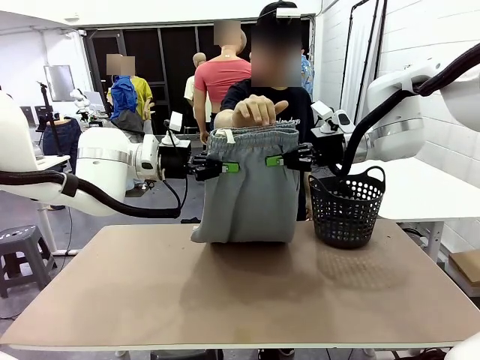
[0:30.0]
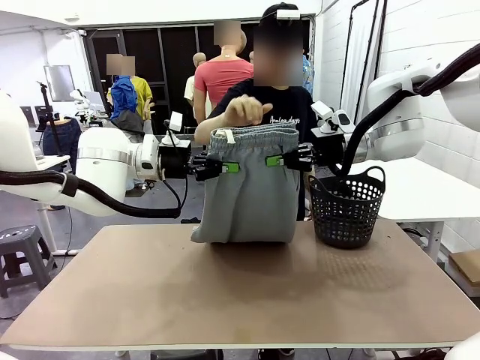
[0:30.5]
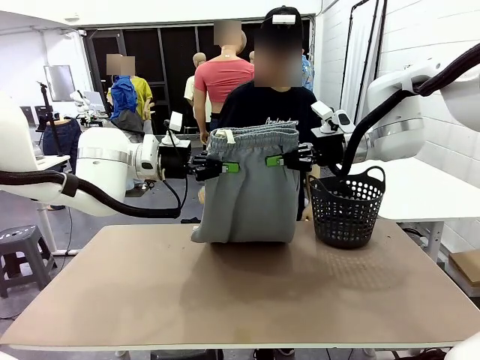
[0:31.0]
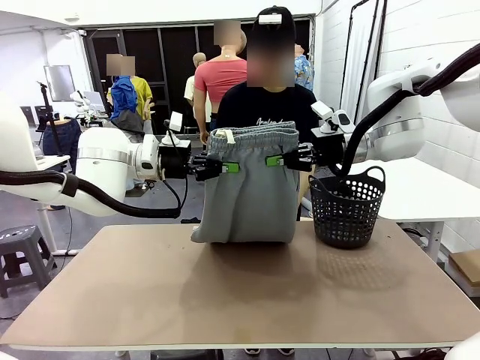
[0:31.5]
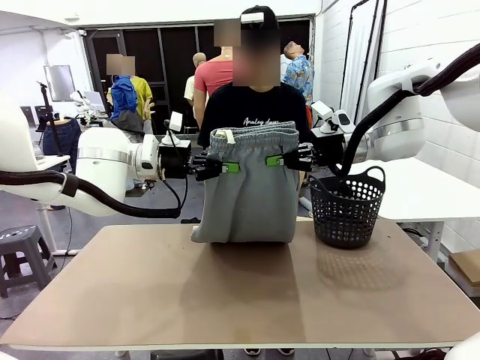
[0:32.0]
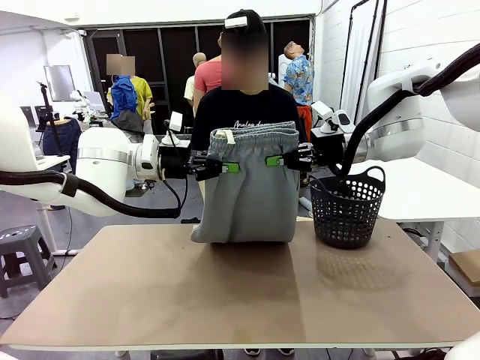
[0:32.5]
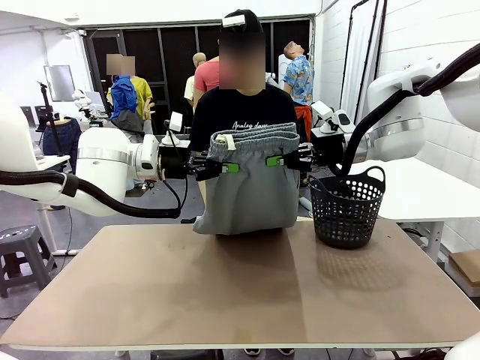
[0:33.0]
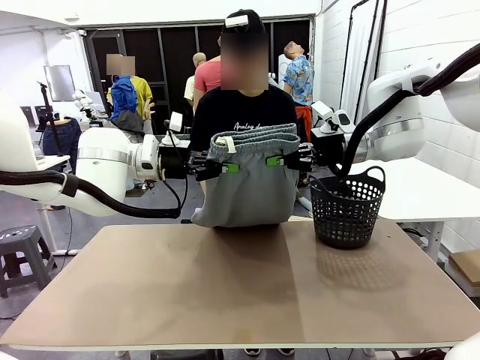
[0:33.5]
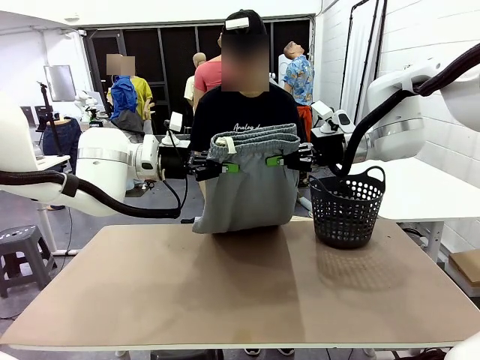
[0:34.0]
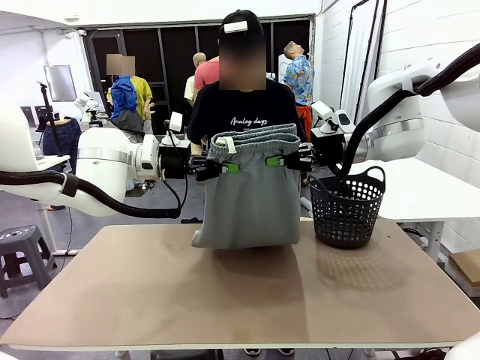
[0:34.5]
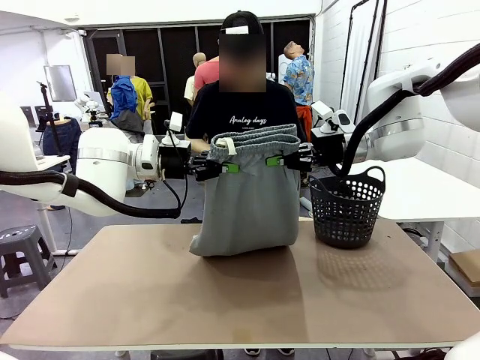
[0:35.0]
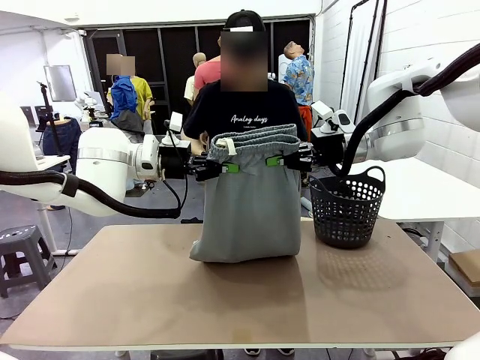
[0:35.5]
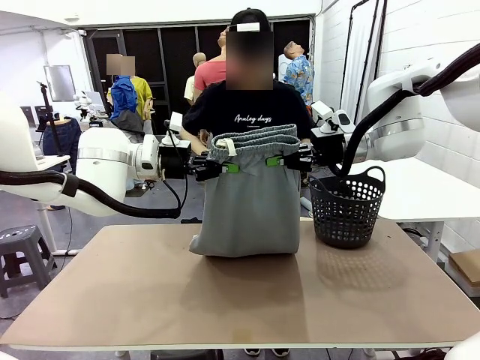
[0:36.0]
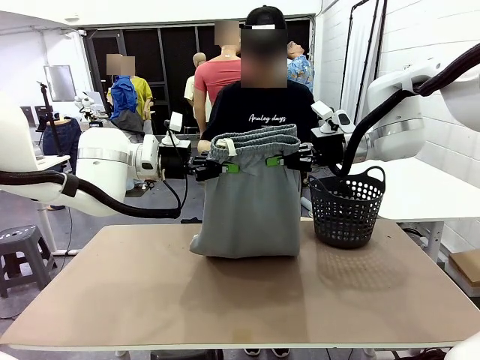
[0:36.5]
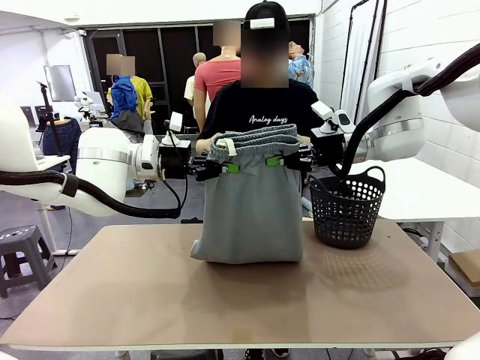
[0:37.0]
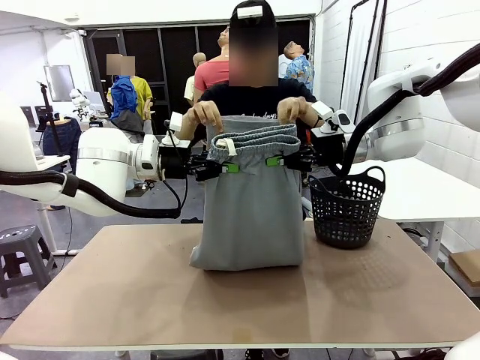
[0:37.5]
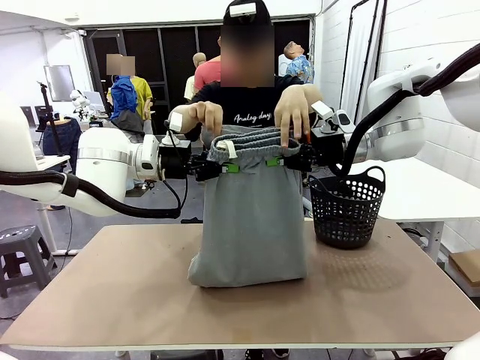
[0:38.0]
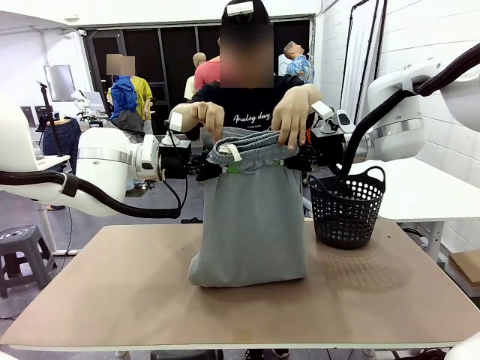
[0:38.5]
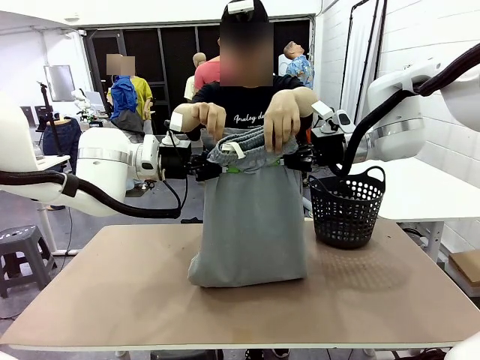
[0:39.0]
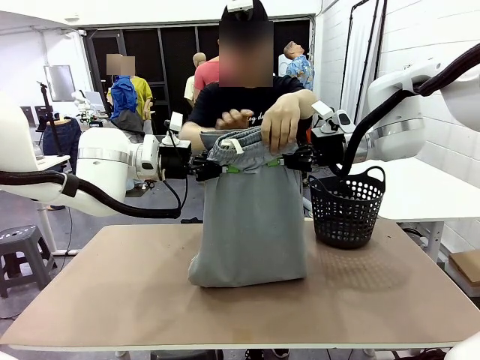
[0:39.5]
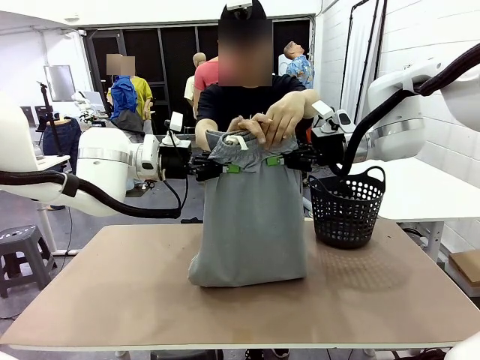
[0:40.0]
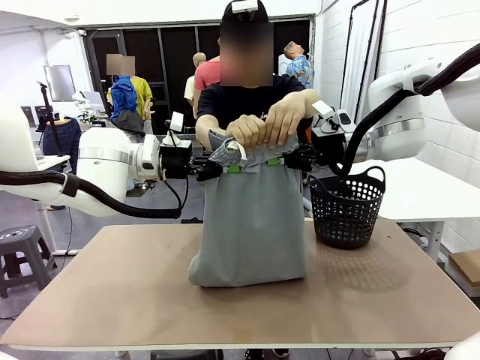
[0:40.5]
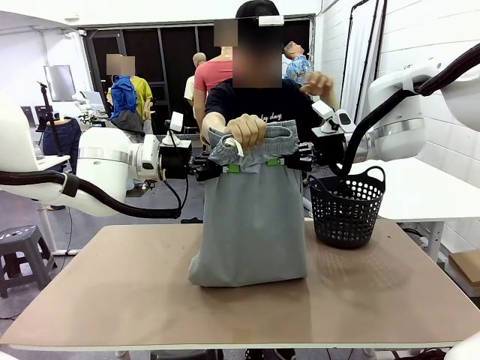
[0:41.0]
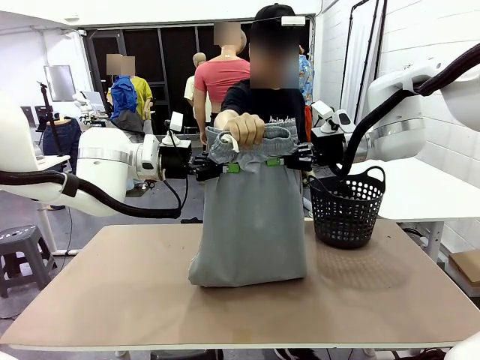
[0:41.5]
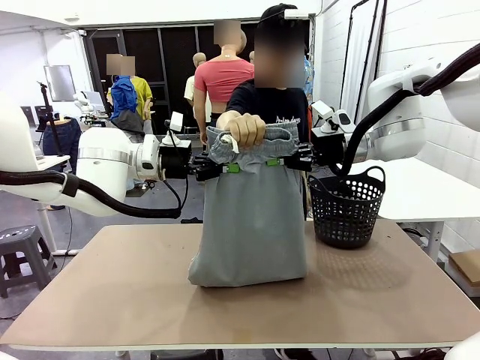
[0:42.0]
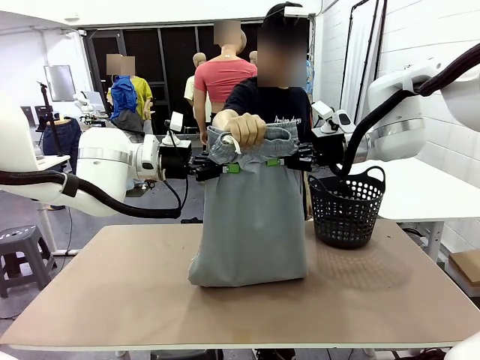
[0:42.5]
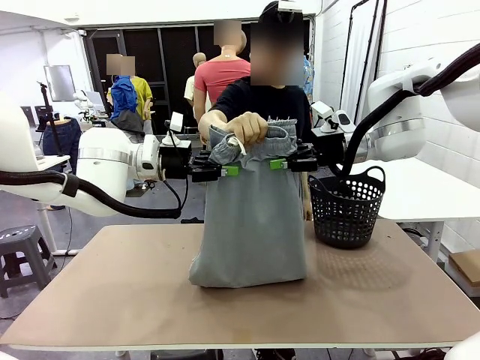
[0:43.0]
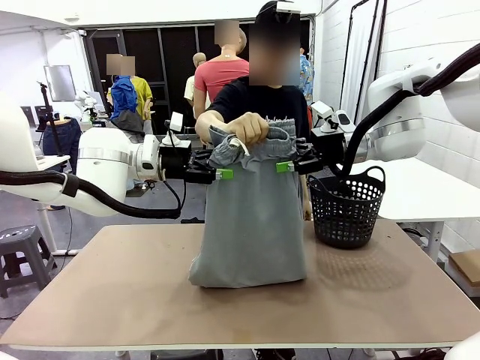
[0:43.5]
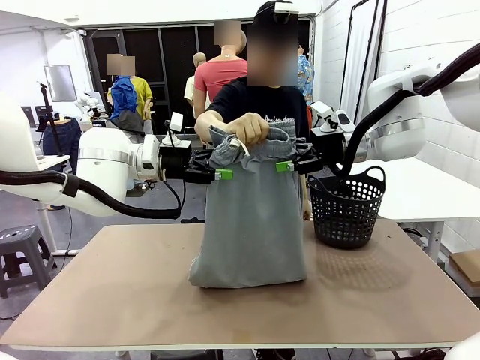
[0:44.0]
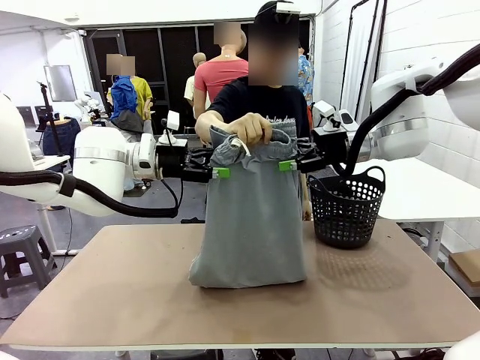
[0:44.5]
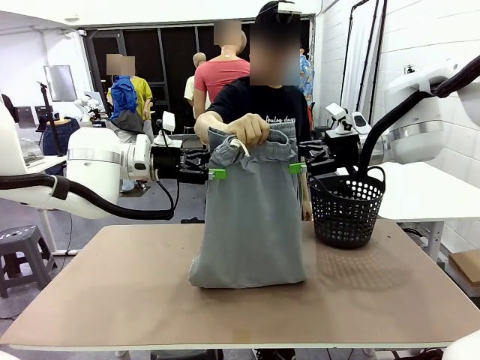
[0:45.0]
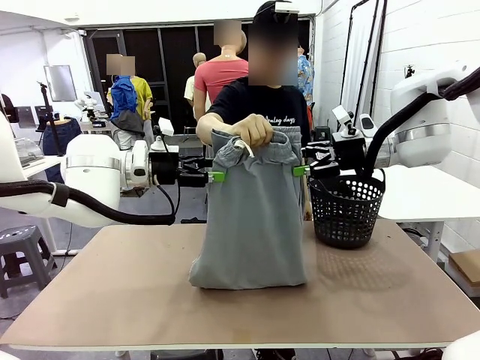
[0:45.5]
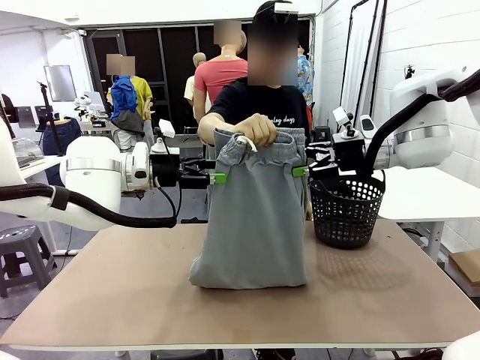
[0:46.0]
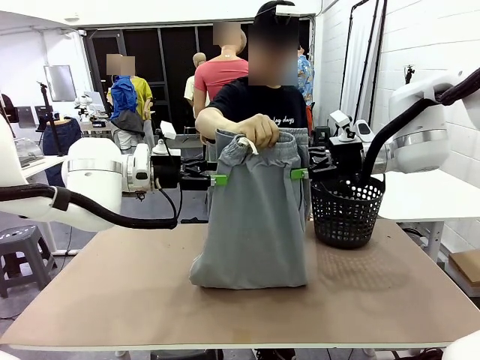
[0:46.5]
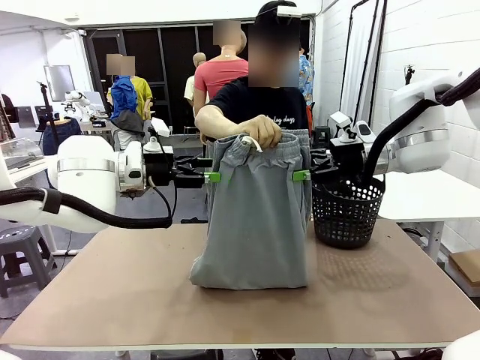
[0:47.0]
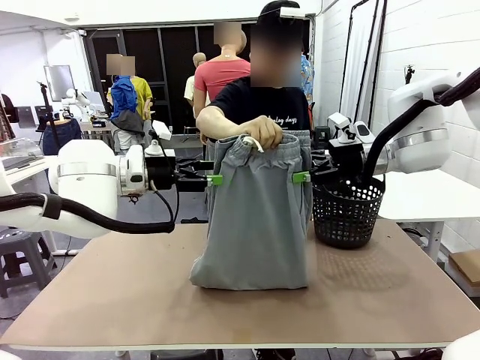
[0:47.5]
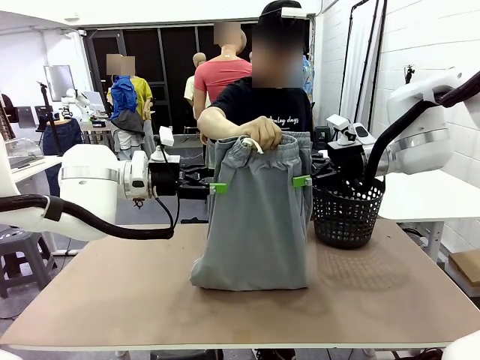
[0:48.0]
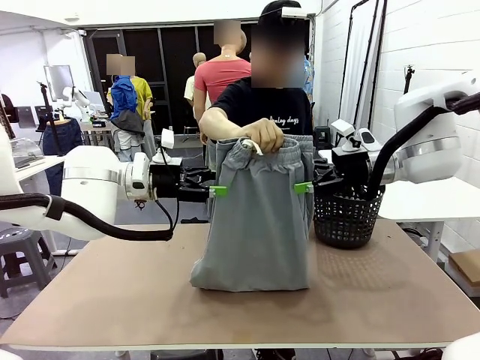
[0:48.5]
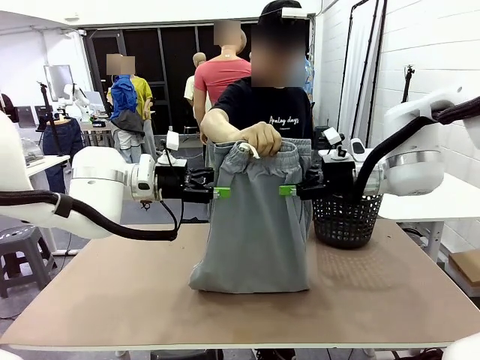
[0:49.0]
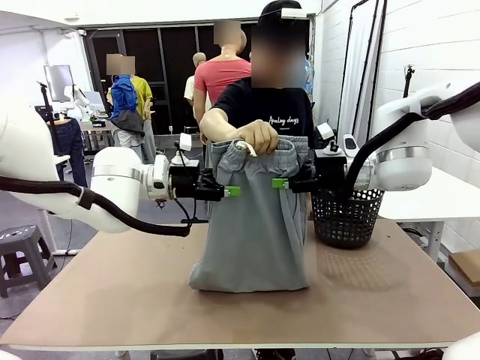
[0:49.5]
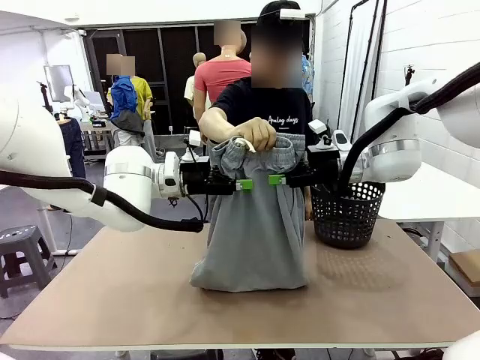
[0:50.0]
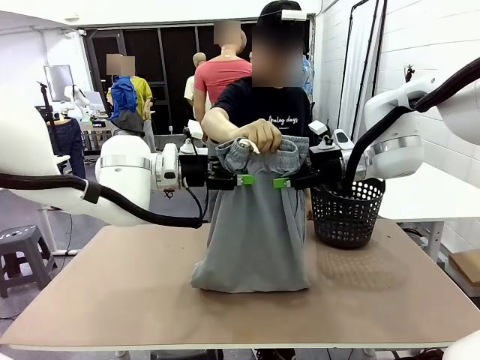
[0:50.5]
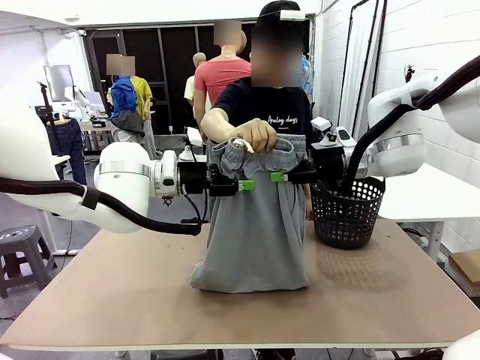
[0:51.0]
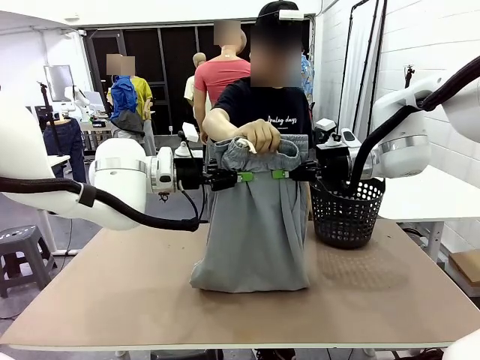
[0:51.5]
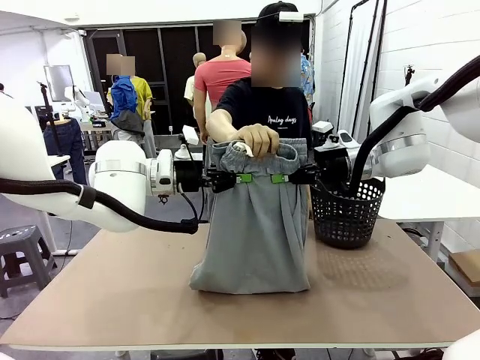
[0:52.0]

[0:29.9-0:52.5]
Task: Fold the training pants.
Robot: Release the ends of the Training pants and then grab the overlapped ends.
Person: Grasp the end opposite the point the robot is holding, fold the pants in half, and then grasp the overlapping top end of the folded pants. Release the pants you were holding.

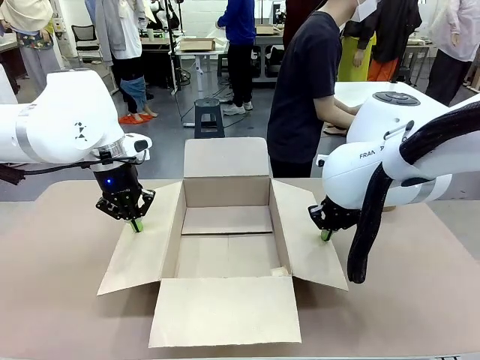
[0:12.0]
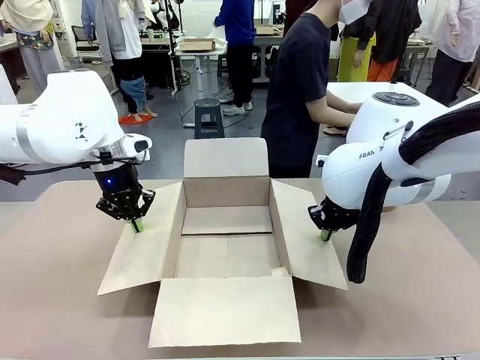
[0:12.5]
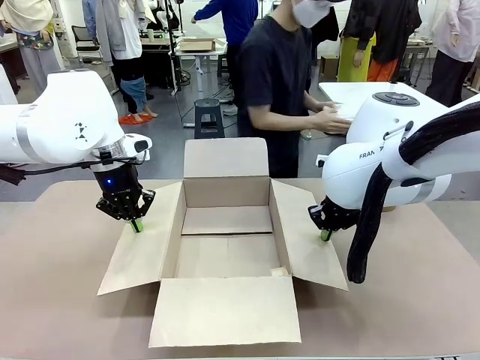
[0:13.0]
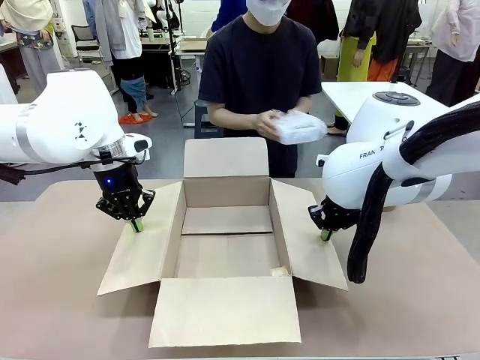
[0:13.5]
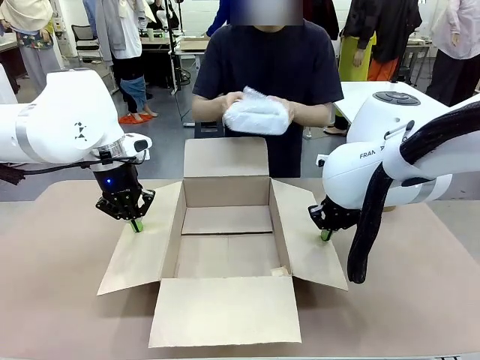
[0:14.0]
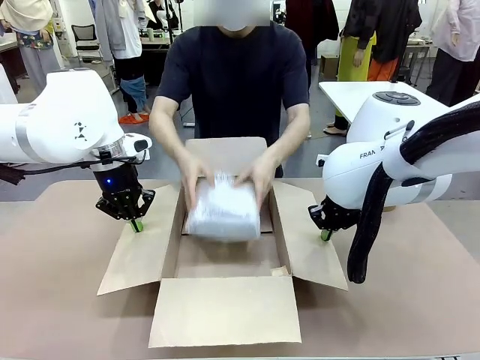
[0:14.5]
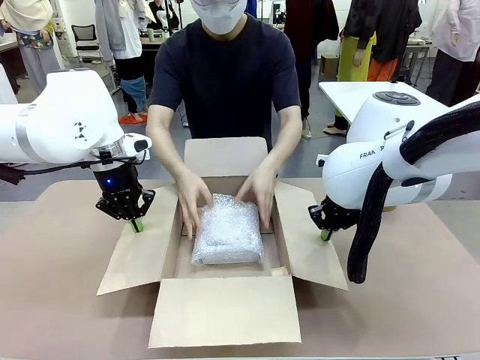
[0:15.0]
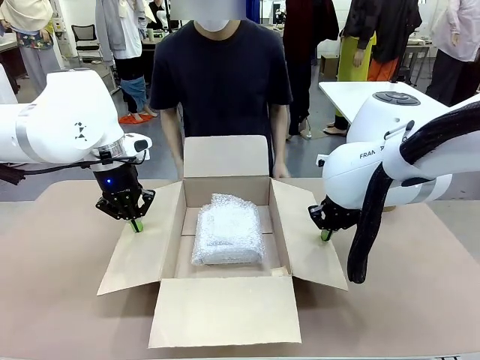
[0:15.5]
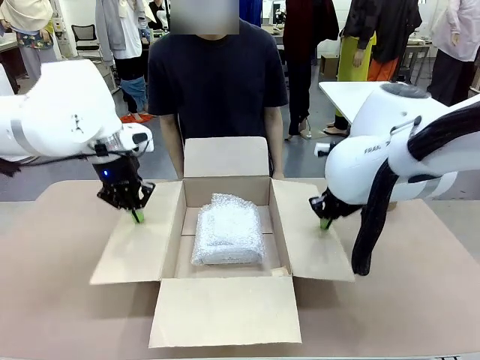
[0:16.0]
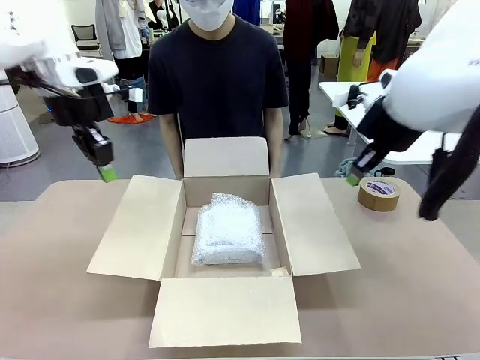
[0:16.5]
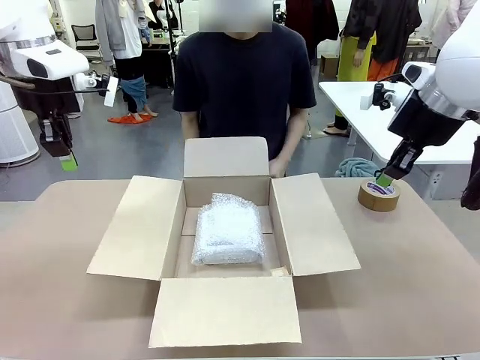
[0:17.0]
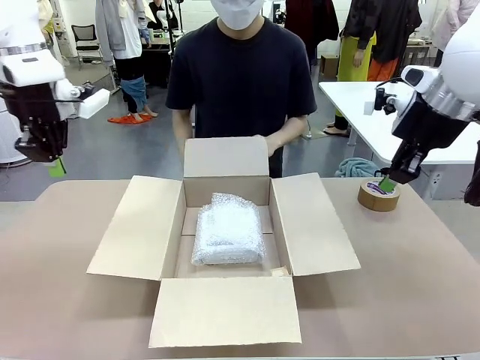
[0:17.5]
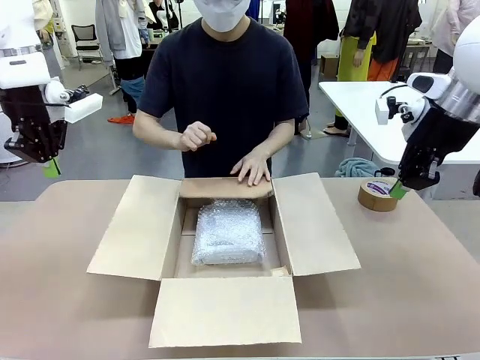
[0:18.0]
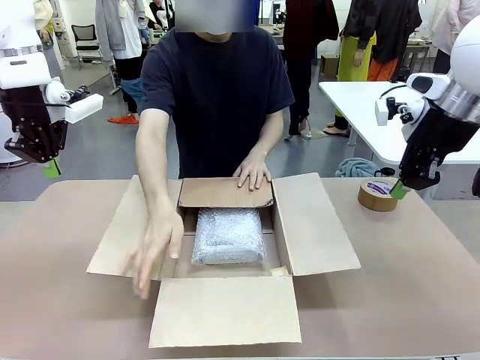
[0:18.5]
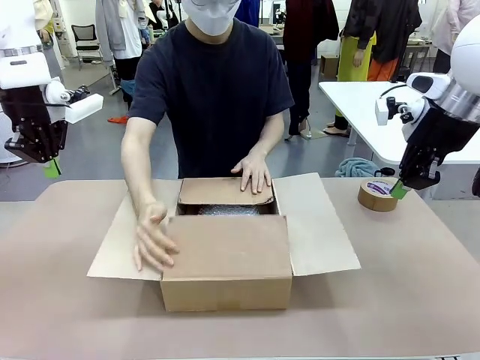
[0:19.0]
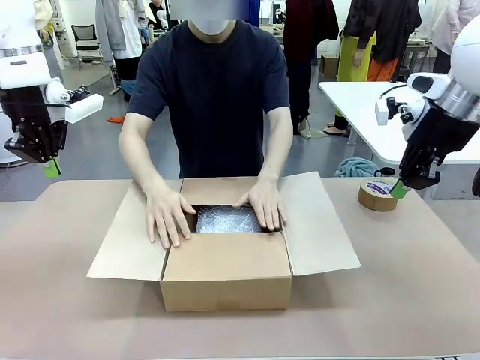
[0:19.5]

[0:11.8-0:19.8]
Task: Wrap the clocks to prevent damage.
Robot: Once the human has placed the objects inside and stepped back, release both hands from the side flaps of the Package Box.
Person: Place the wrapped Digital clocks inside the Package Box. Hold the top and bottom flaps of the Package Box closed with your left (or right) hand.
